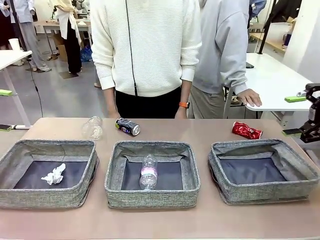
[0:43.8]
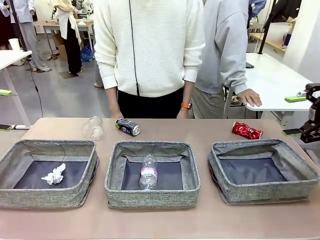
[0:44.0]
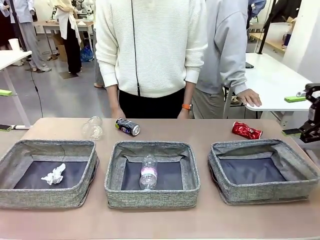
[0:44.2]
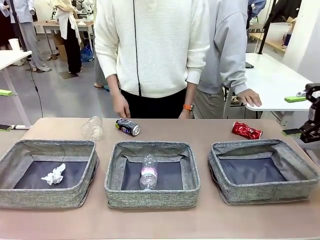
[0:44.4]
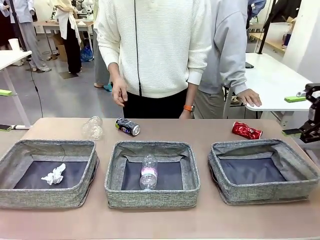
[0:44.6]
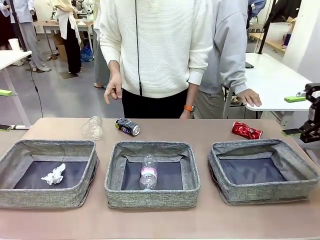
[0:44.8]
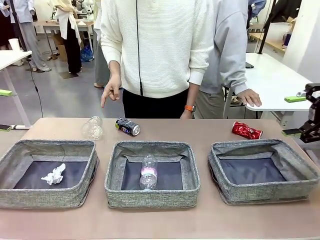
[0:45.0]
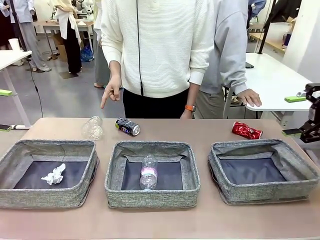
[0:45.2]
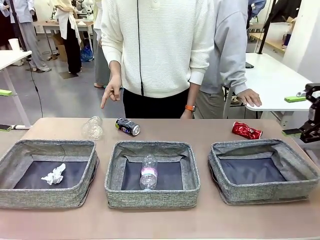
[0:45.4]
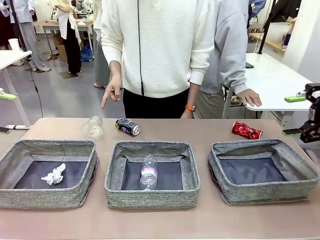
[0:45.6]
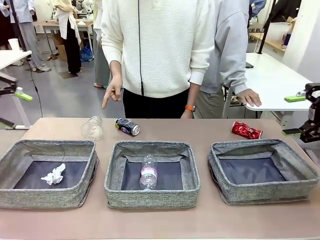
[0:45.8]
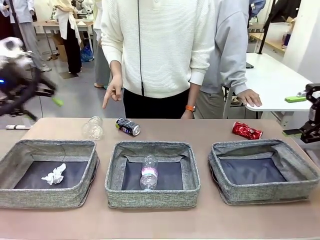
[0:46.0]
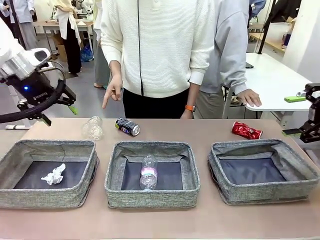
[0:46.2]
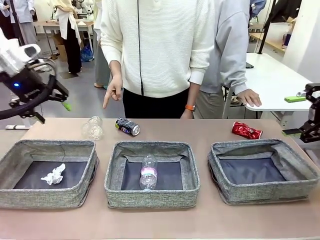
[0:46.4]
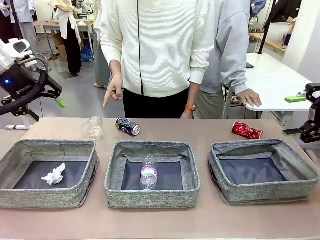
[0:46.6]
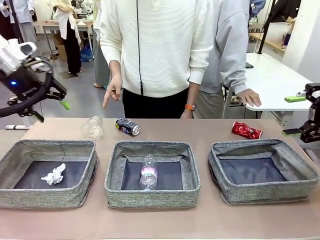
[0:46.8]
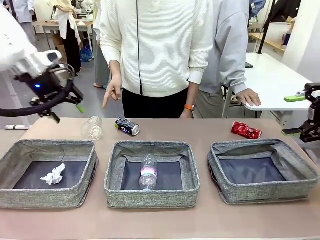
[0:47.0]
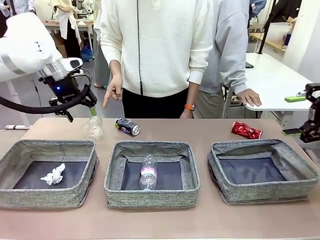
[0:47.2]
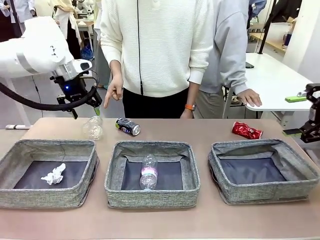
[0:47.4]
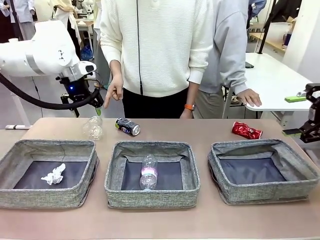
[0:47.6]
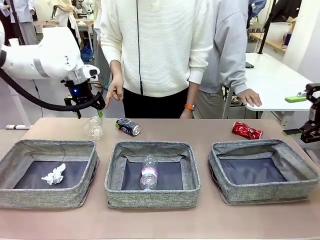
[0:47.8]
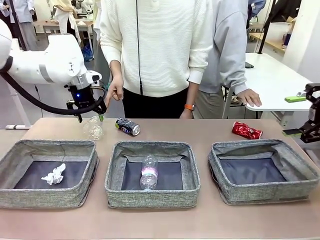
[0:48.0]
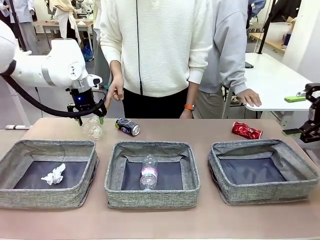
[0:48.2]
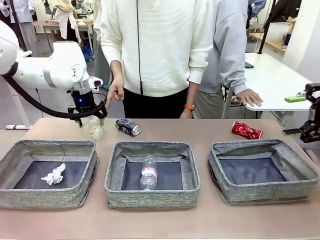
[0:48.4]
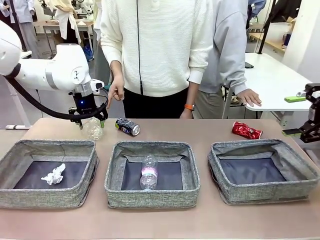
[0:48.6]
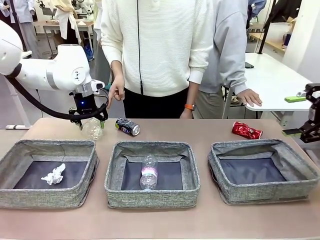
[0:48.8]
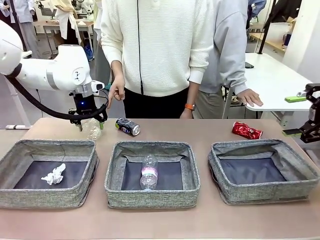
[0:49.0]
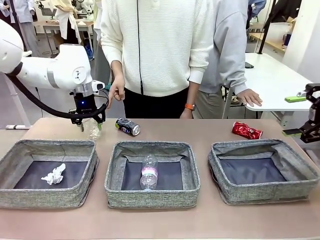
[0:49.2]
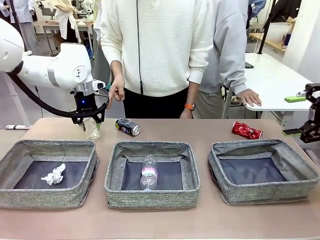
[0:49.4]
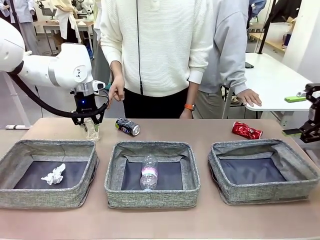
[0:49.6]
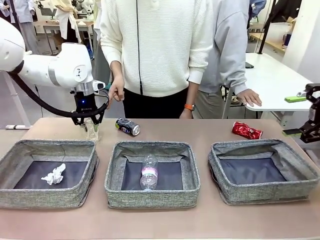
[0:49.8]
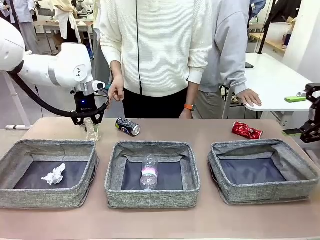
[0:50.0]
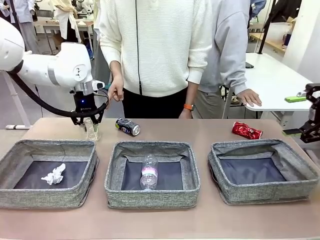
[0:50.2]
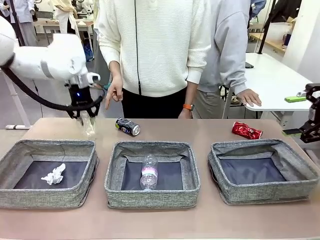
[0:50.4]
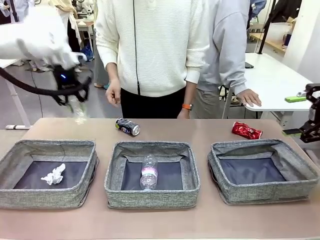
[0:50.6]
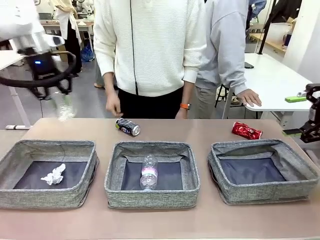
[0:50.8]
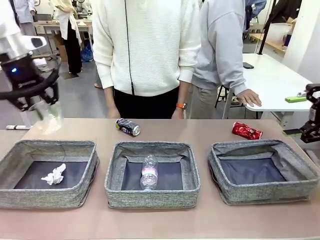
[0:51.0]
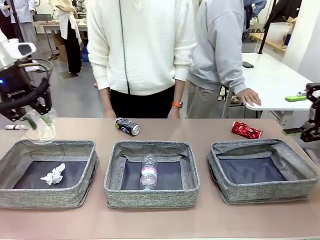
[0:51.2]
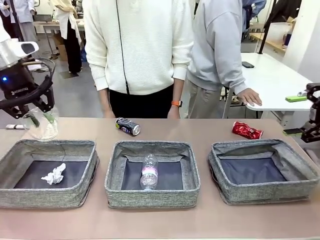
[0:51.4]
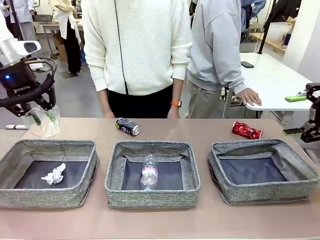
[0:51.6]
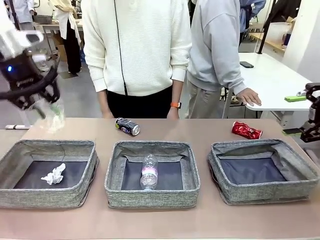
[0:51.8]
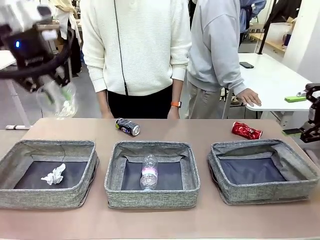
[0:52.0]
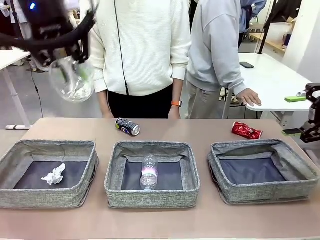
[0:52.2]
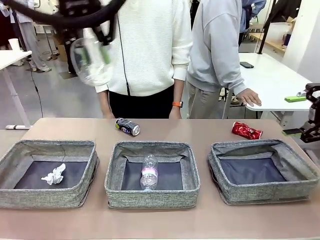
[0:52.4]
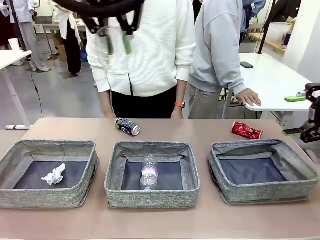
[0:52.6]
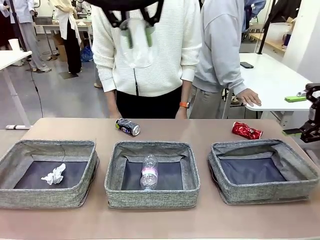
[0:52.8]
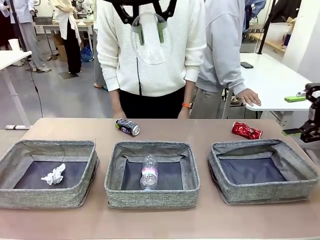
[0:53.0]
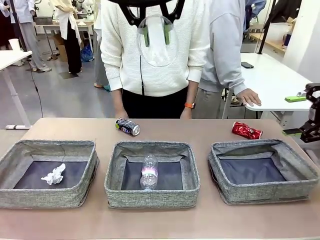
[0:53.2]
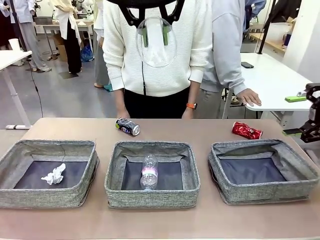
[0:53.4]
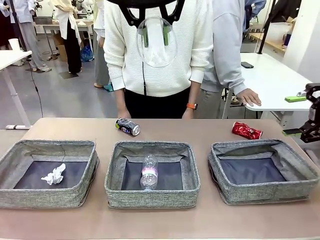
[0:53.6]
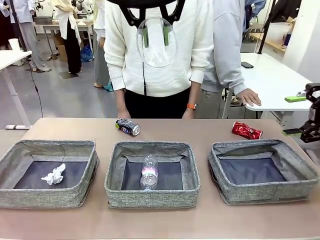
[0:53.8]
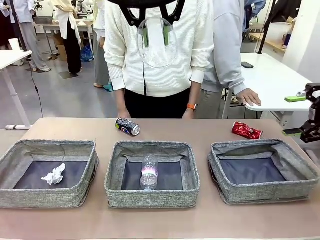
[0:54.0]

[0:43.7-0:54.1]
Task: Sort the waste into the appropriate baskets.
Robot: Pick up the waste item pointed out by the person.
Person: Points to one piece of trash on the table.

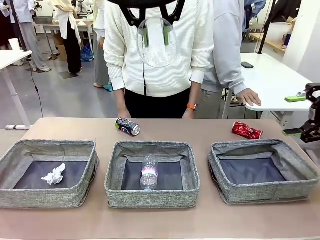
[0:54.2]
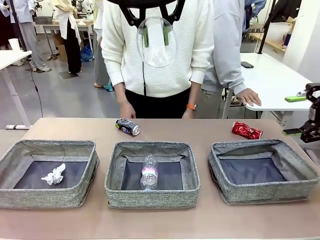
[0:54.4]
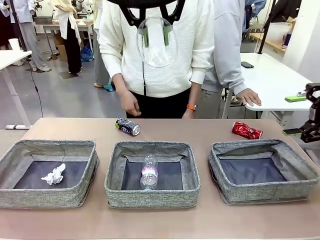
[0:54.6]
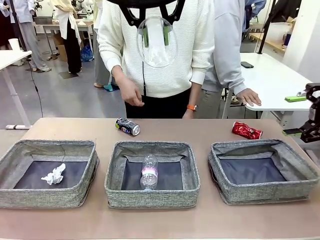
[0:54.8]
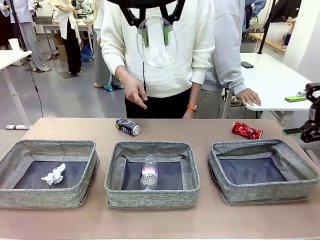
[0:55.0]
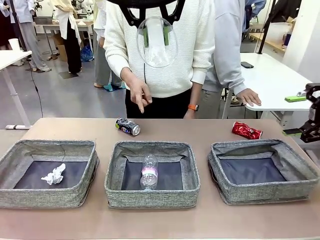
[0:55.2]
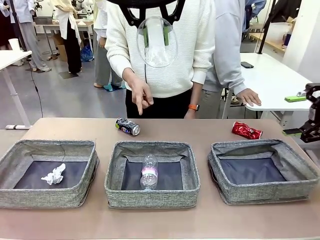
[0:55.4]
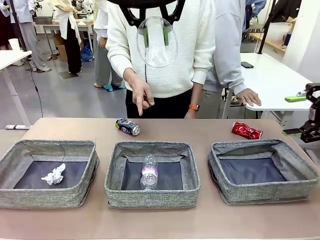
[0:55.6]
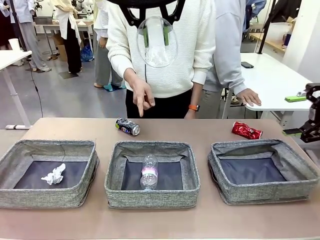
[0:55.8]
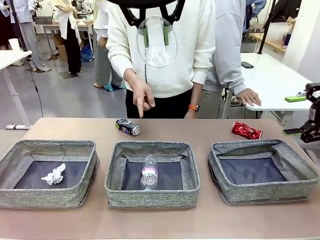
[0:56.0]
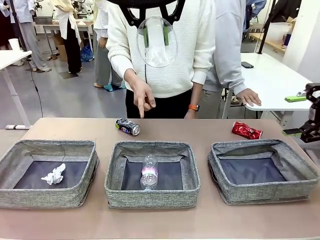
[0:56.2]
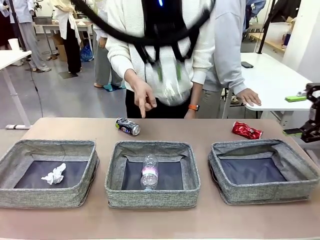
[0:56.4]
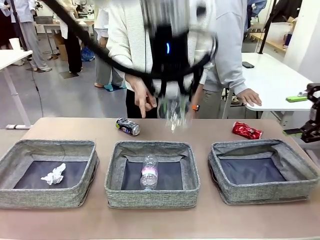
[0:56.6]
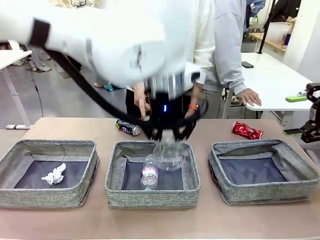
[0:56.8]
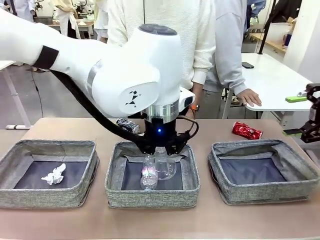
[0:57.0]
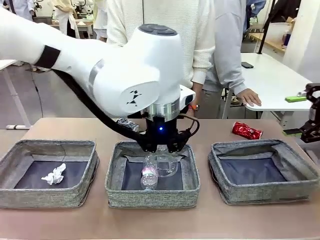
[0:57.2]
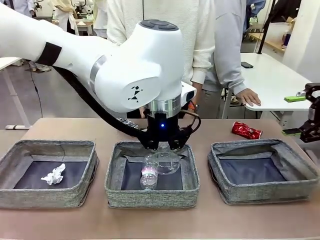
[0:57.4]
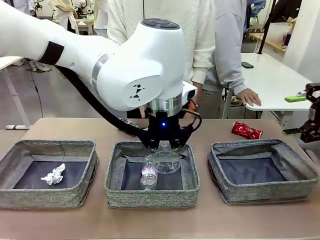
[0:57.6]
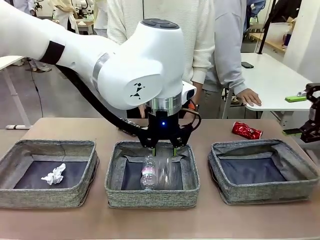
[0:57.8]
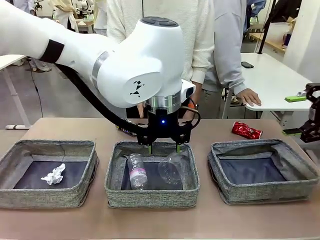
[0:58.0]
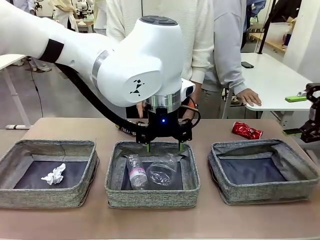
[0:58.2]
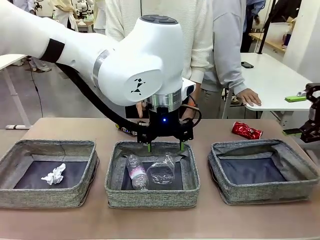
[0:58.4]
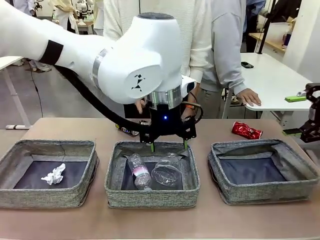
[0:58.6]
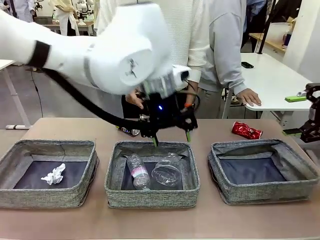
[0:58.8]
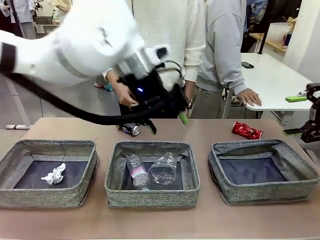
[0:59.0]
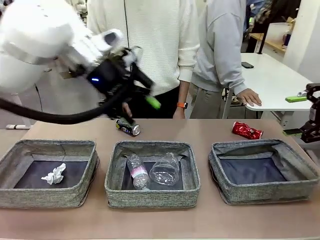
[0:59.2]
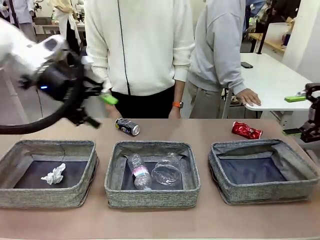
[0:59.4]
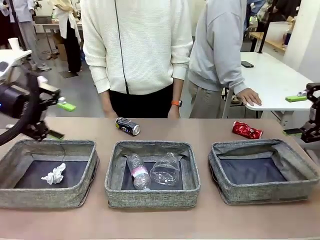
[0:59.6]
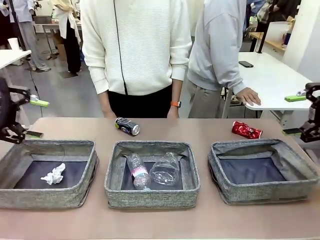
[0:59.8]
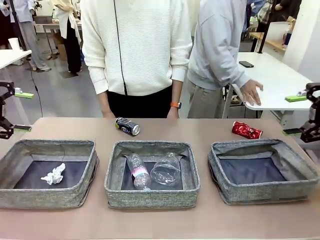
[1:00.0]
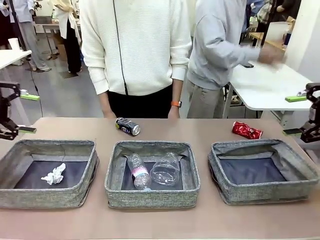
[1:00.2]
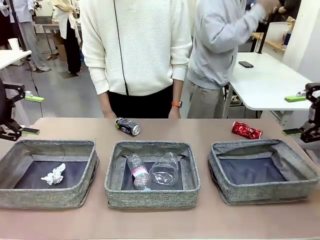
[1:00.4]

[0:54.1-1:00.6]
Robot: Place the picked waste into the Fabric basket indicated by the person.
Person: Instructs the robot to place the picked-up trash into the appropriate organizing basket.
